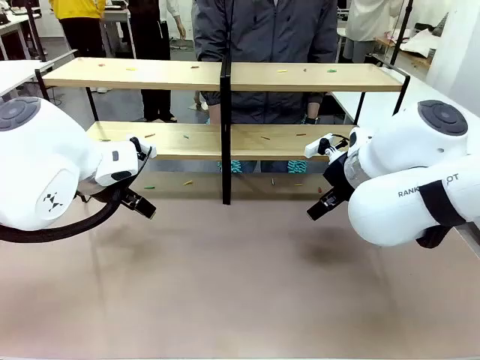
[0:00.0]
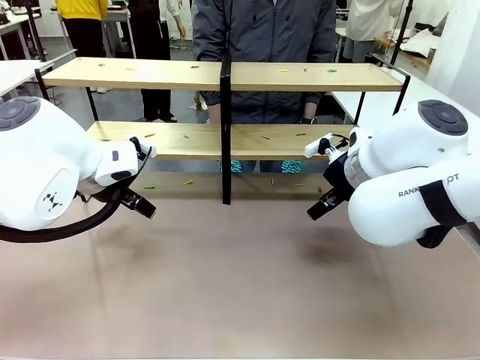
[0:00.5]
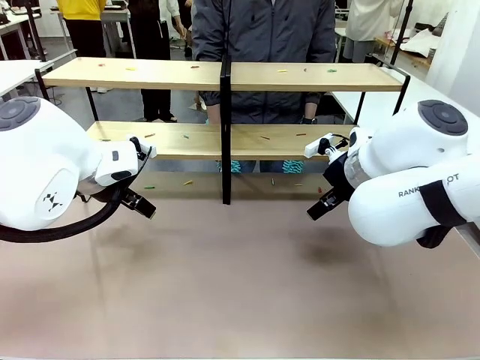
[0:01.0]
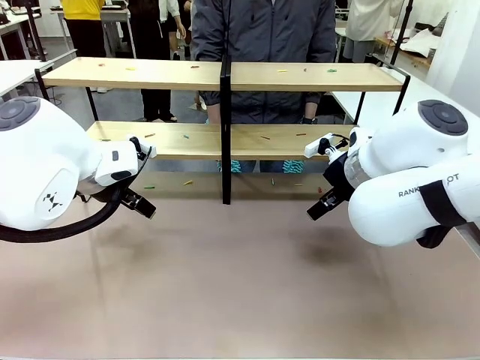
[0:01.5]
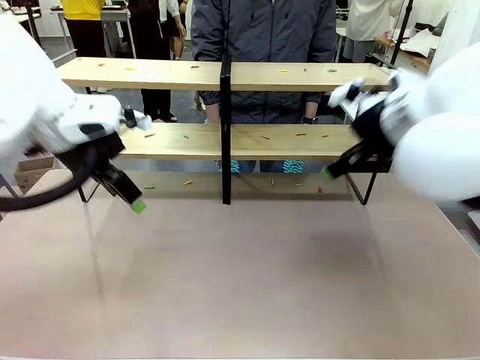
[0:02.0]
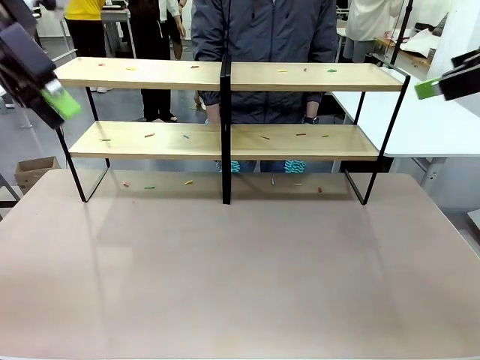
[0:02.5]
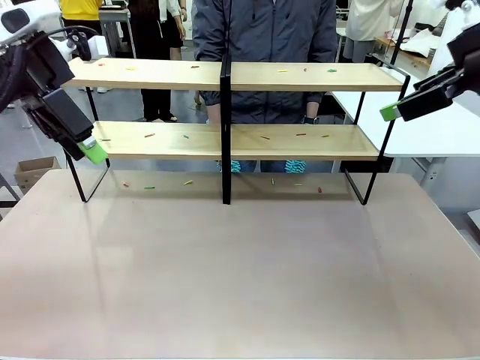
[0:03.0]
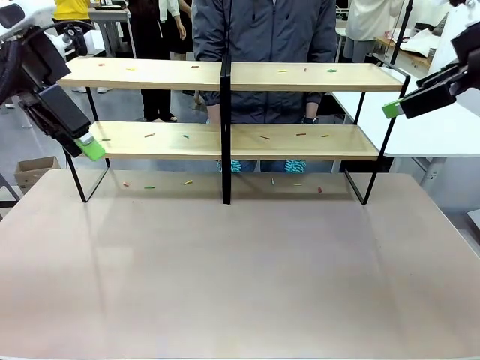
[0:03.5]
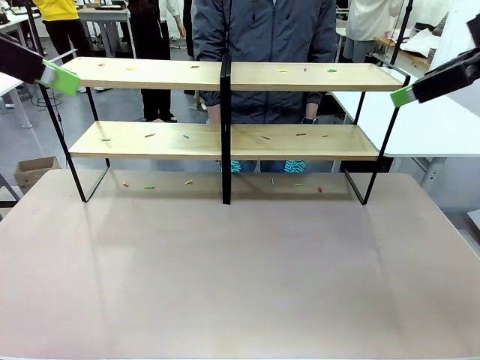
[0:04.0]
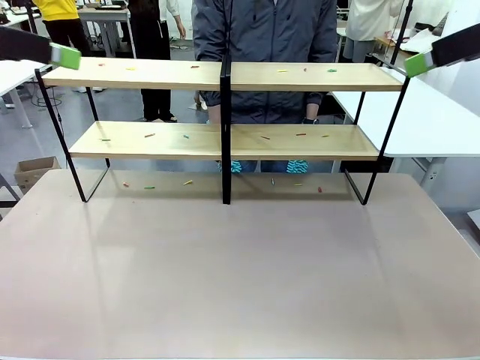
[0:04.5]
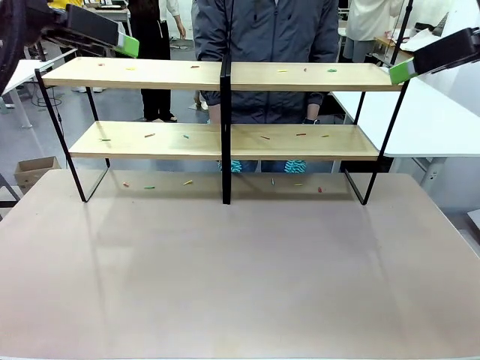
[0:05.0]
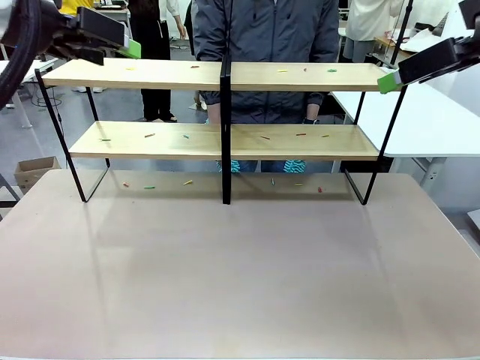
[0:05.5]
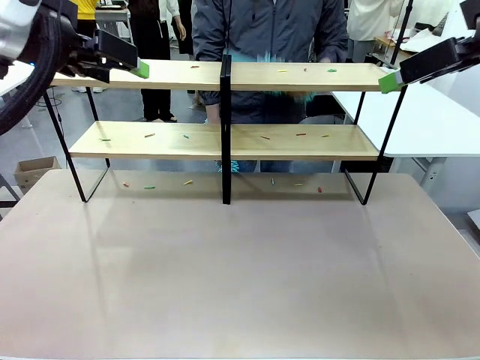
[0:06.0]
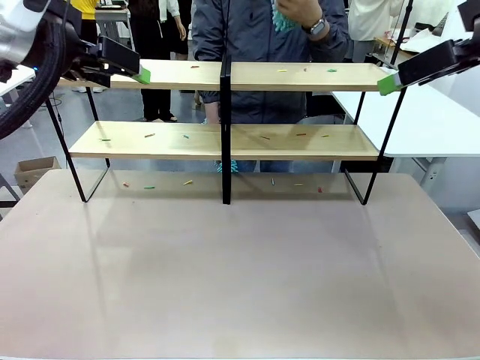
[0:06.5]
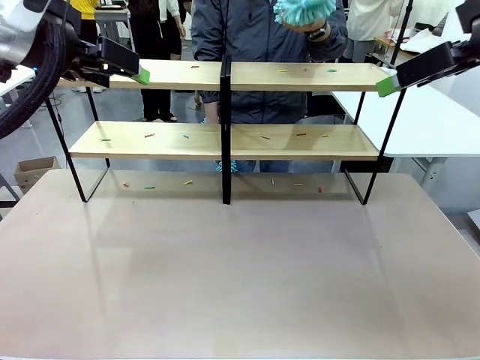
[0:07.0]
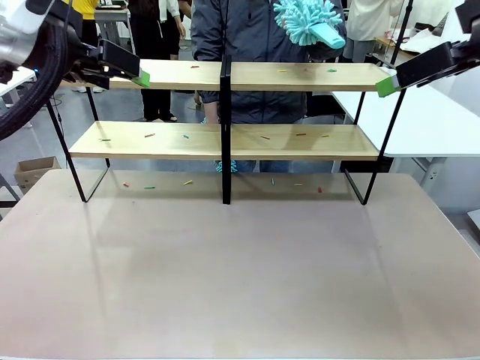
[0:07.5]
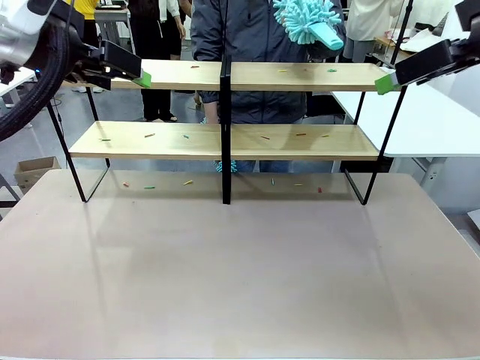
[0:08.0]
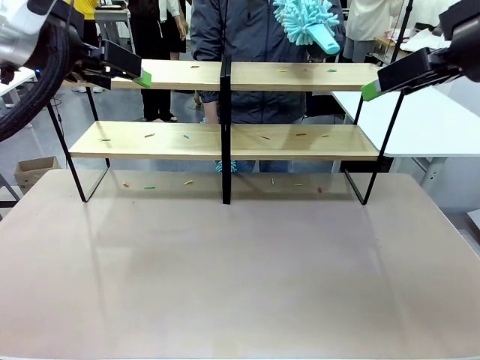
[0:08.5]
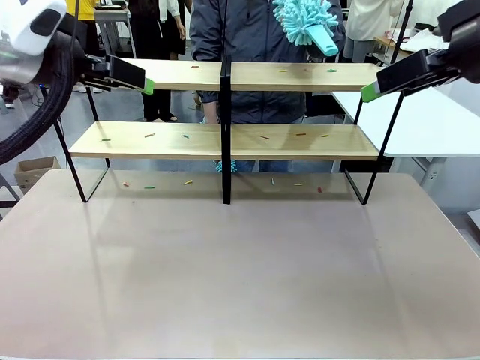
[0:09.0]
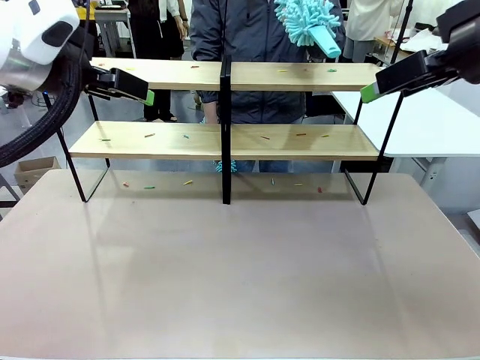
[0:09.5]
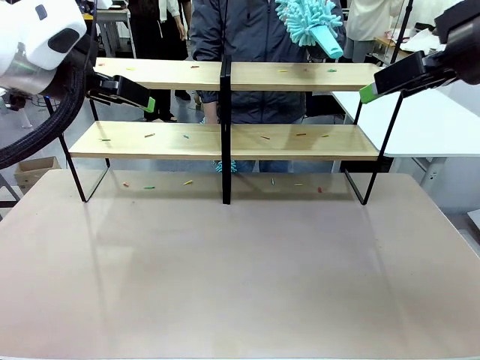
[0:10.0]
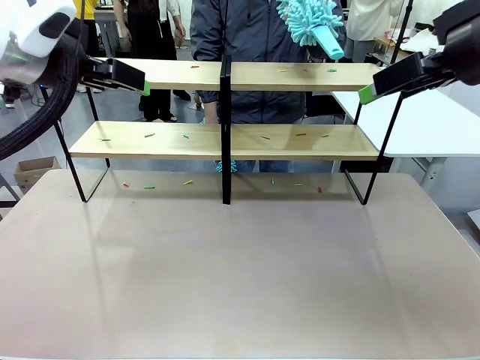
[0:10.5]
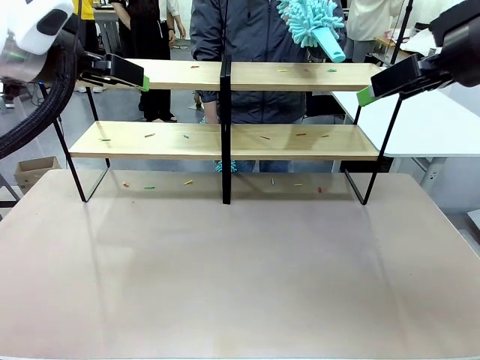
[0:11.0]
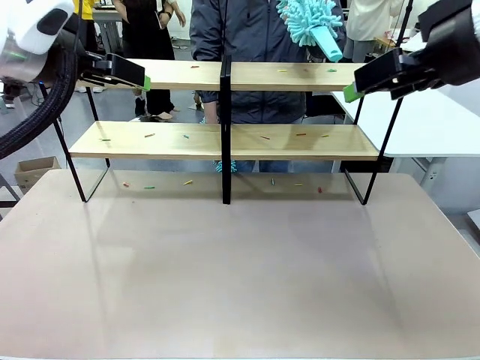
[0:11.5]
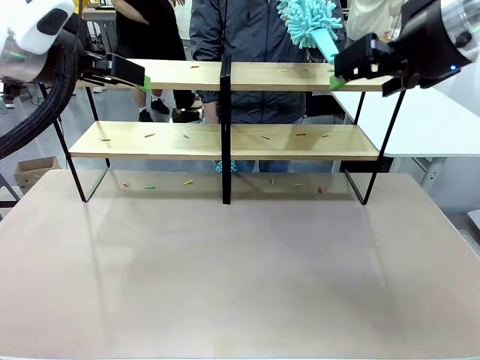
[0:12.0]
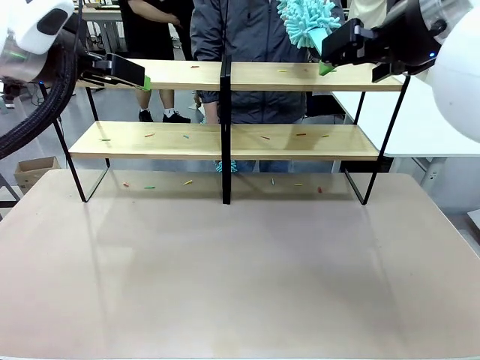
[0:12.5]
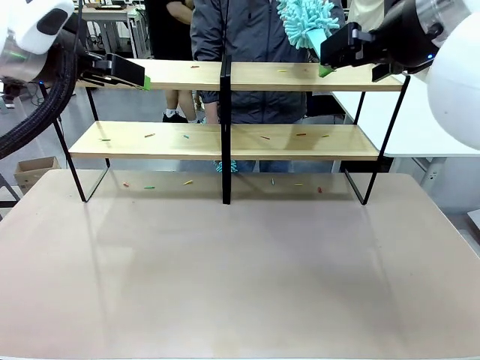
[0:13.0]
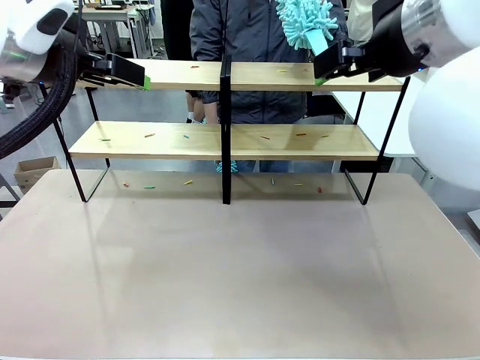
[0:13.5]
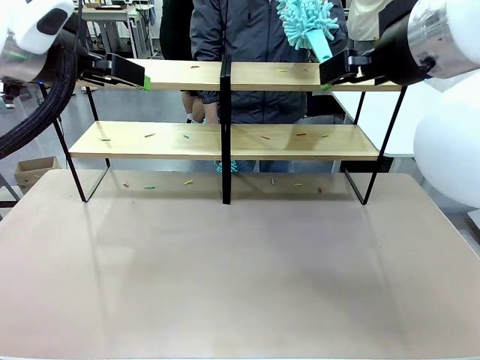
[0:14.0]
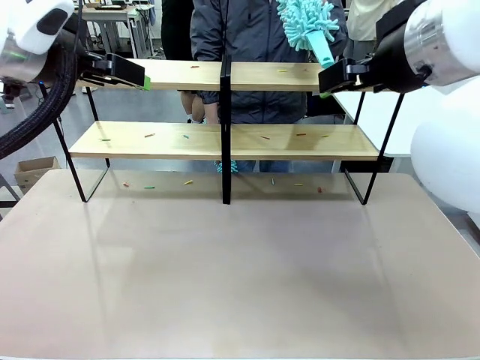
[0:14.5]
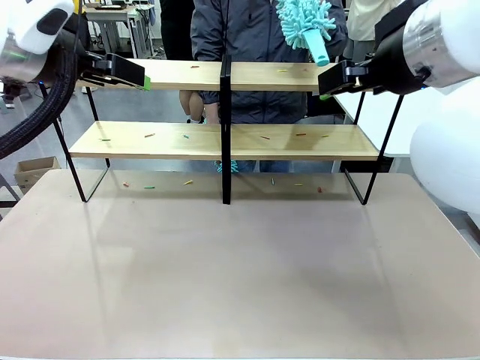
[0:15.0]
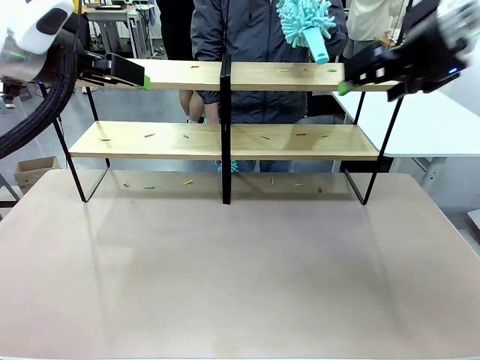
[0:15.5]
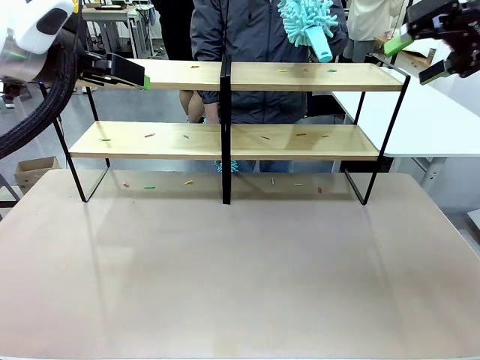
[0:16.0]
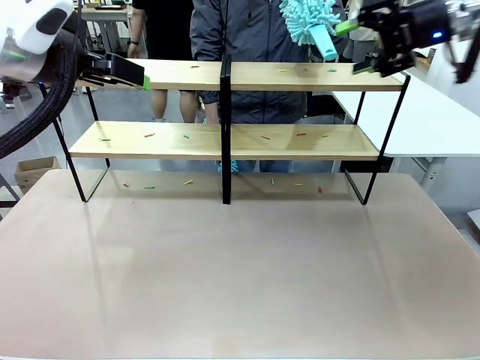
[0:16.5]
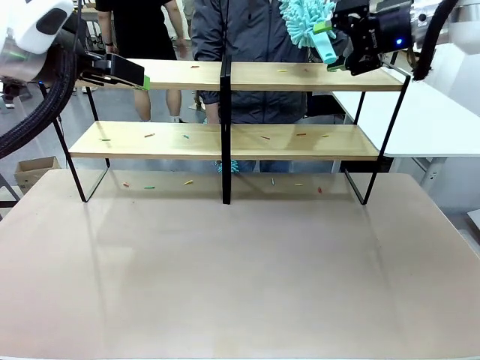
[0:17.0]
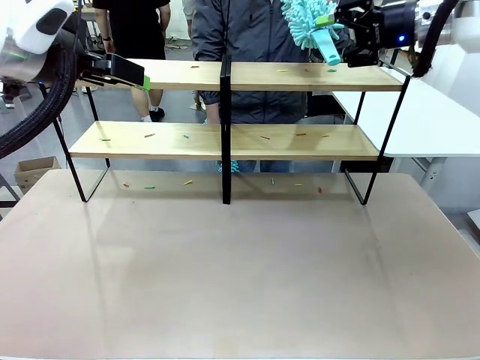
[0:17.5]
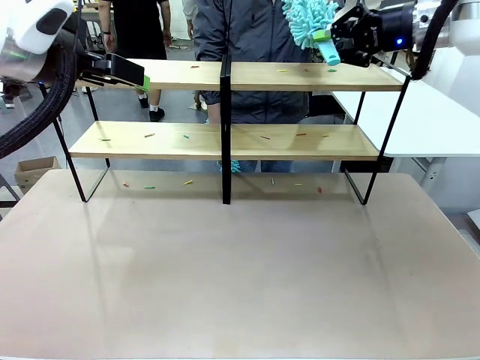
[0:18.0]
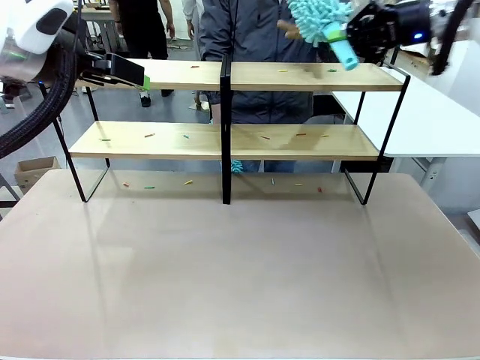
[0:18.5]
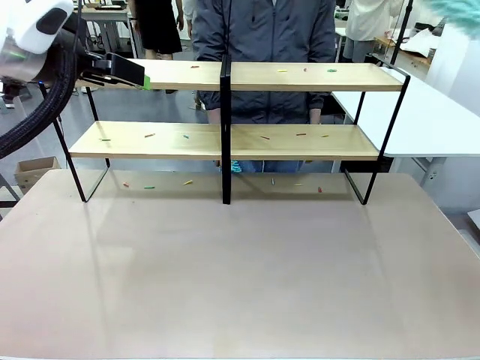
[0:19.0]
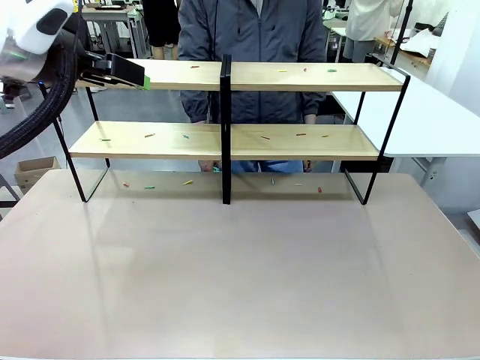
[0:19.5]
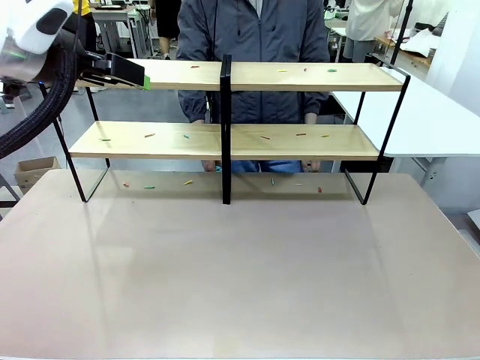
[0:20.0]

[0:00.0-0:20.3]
Task: Clean the shelves.
Robot: Pick up the Duster when the human hands it over.
Person: Hand the Duster to the robot with your right (or left) hand.

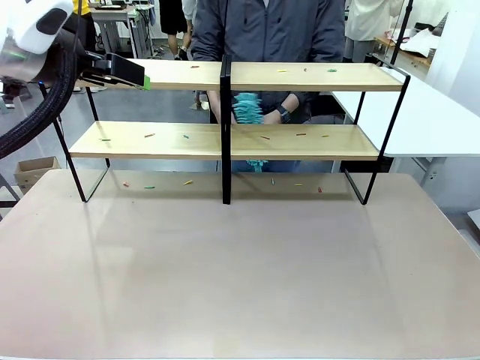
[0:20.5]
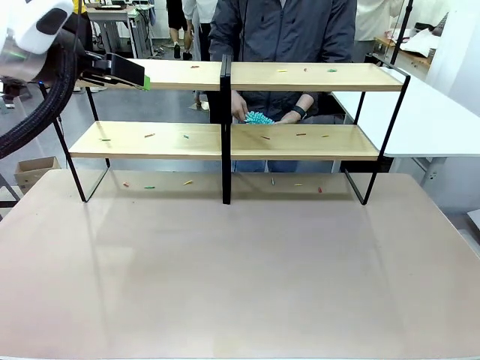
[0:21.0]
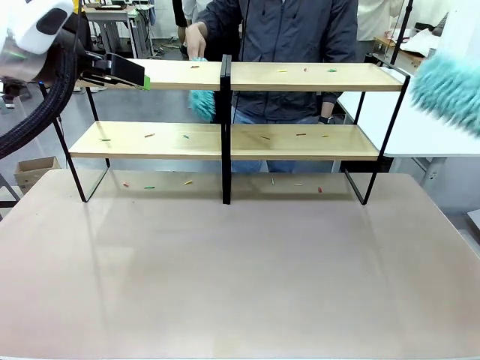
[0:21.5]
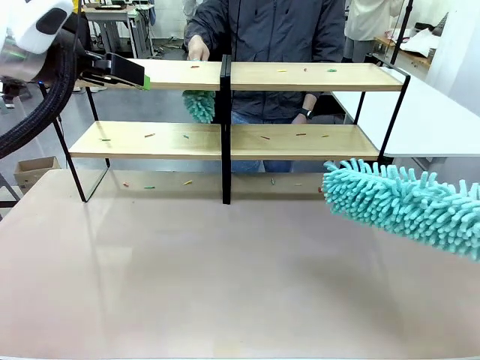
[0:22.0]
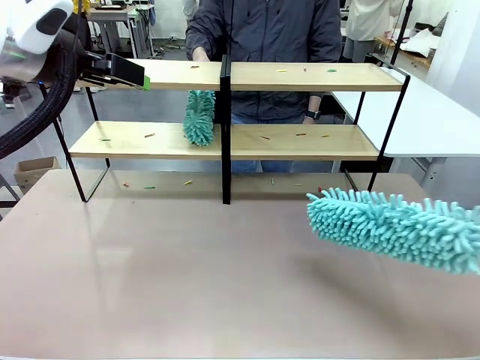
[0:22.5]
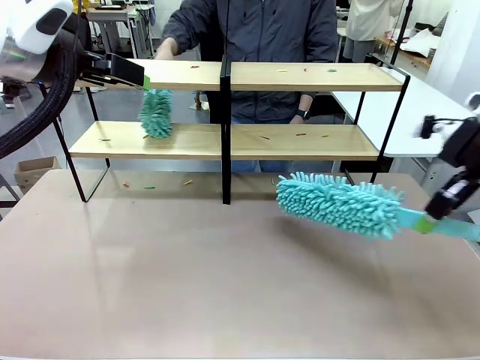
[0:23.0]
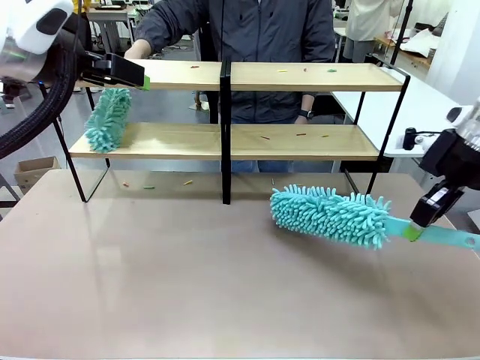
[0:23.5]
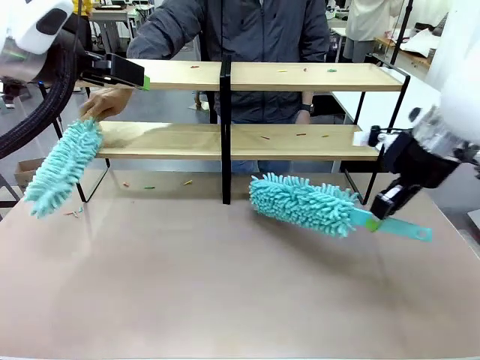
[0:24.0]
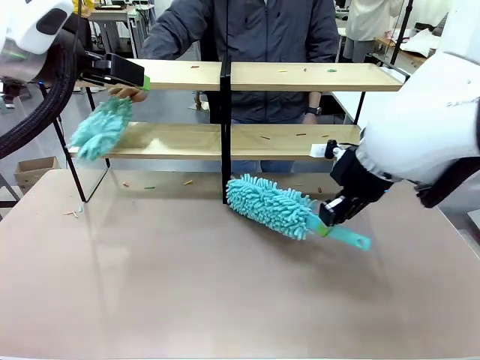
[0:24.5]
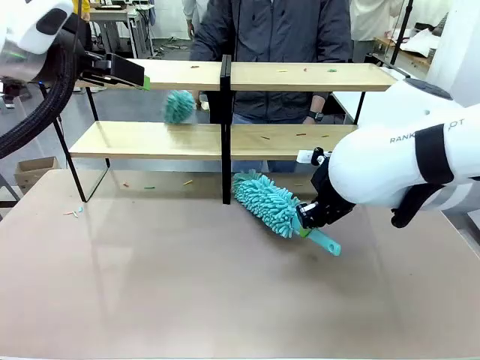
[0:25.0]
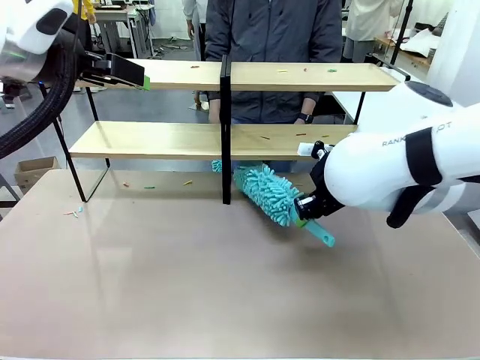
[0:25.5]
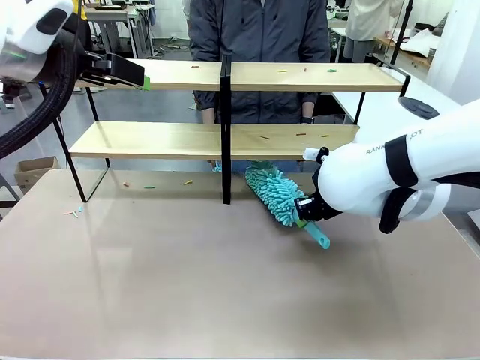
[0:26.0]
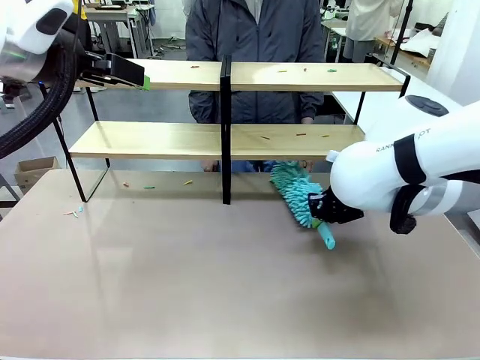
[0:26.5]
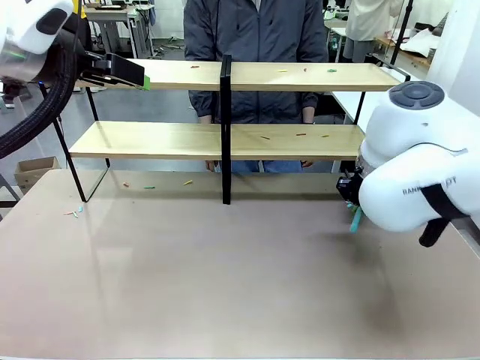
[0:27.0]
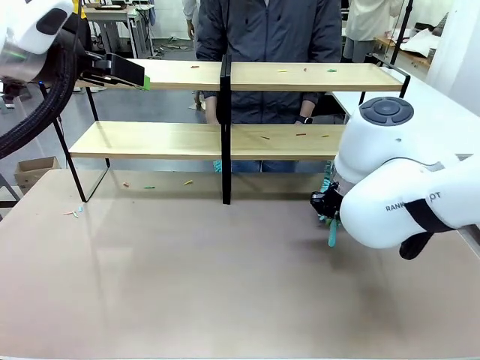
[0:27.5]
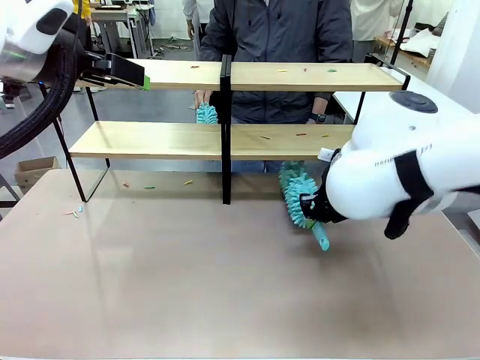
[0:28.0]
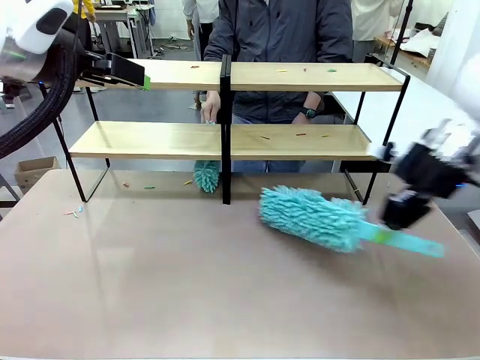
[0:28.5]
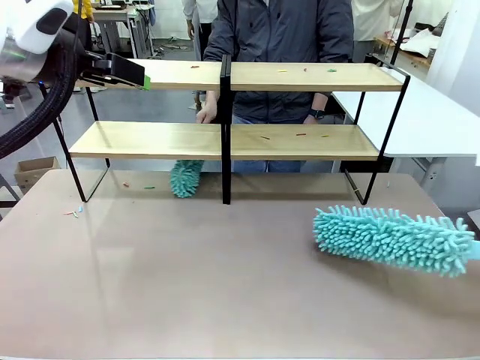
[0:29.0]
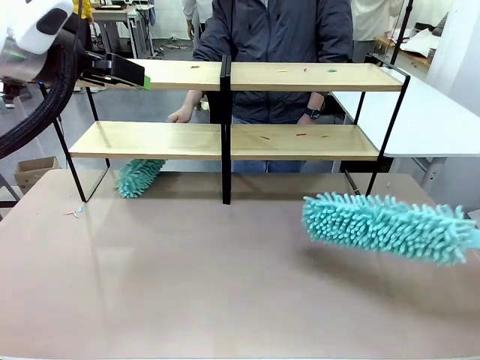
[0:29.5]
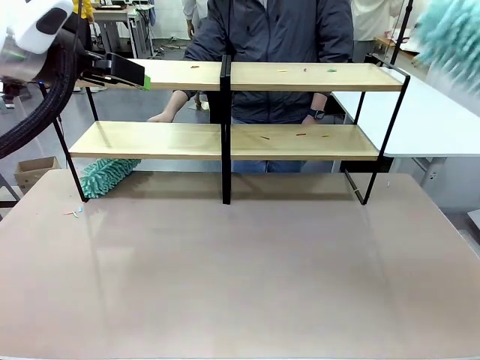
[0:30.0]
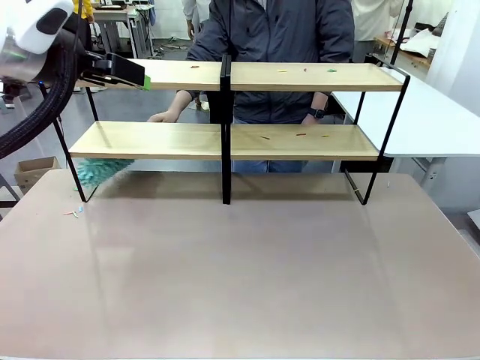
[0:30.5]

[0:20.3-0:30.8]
Robot: Clean a randomly selected level of the Shelf with the Duster.
